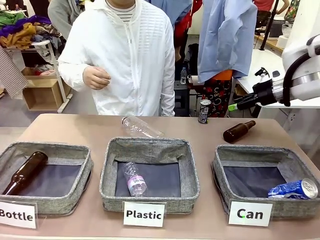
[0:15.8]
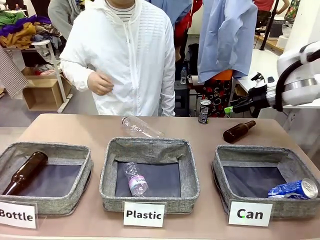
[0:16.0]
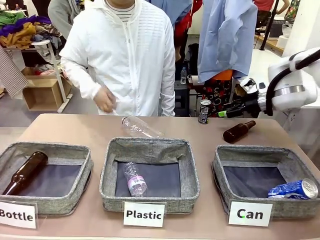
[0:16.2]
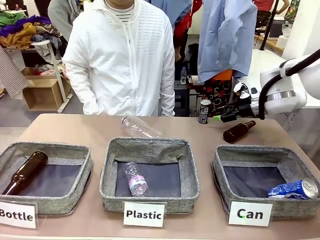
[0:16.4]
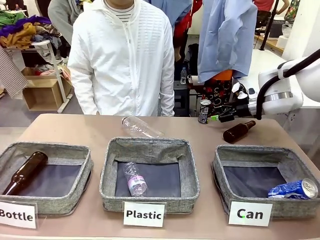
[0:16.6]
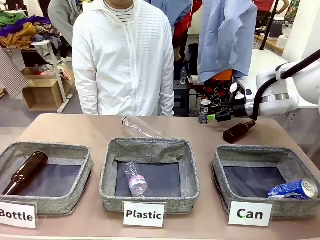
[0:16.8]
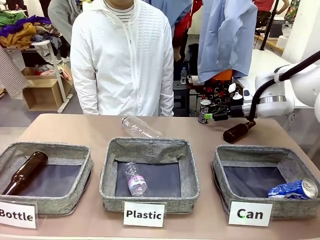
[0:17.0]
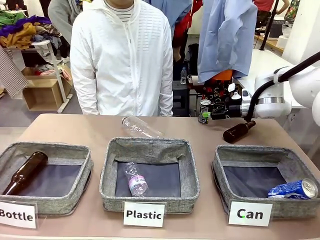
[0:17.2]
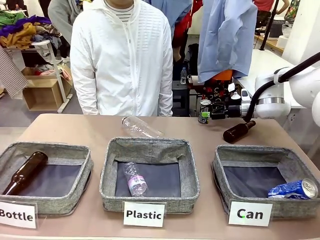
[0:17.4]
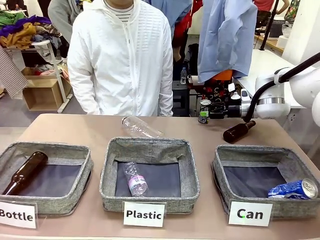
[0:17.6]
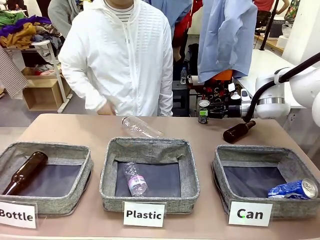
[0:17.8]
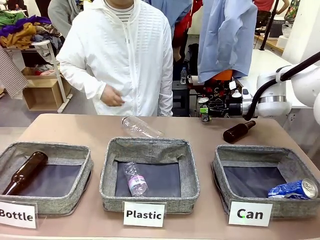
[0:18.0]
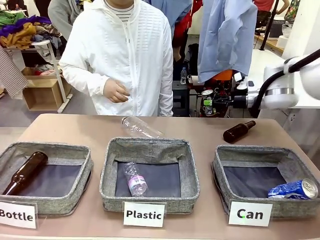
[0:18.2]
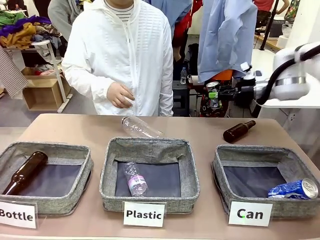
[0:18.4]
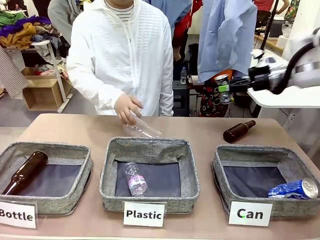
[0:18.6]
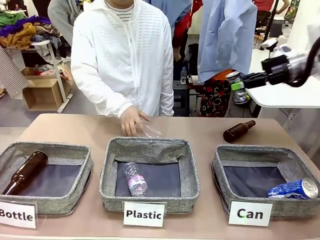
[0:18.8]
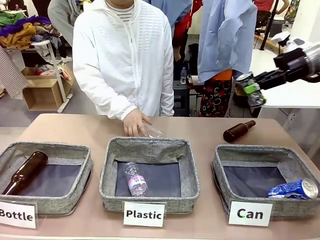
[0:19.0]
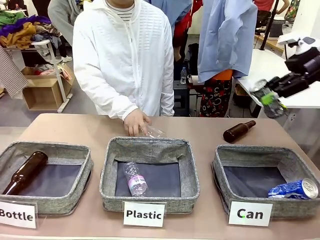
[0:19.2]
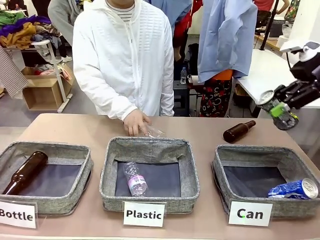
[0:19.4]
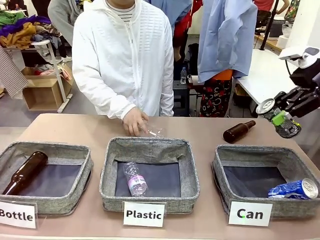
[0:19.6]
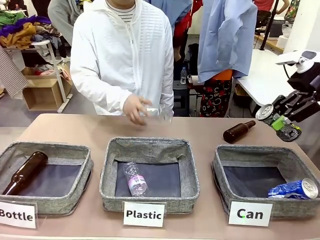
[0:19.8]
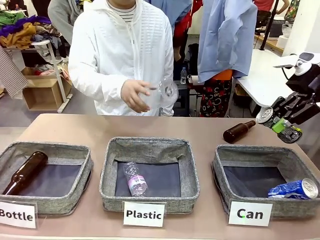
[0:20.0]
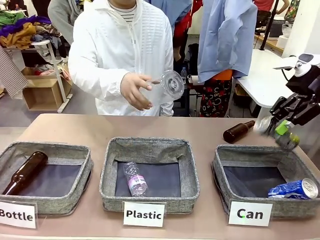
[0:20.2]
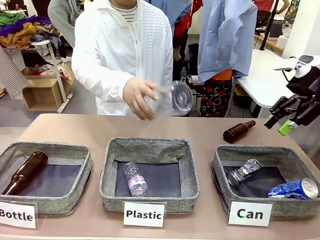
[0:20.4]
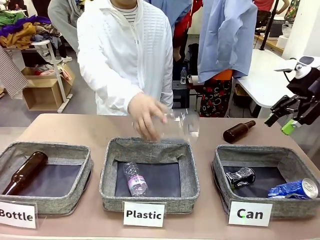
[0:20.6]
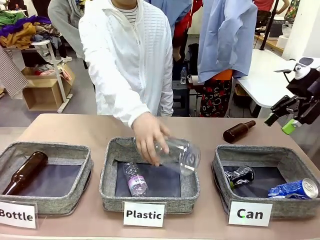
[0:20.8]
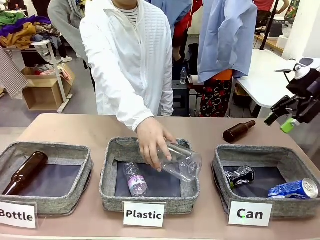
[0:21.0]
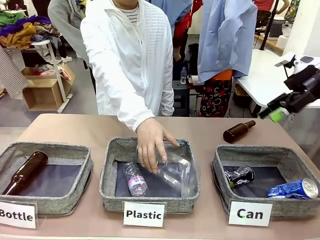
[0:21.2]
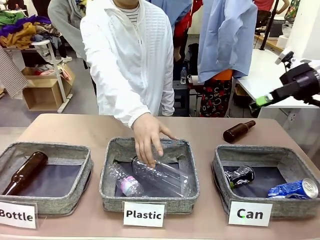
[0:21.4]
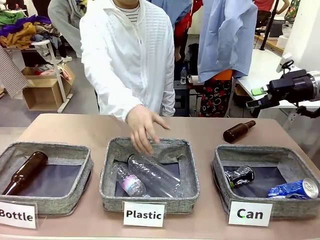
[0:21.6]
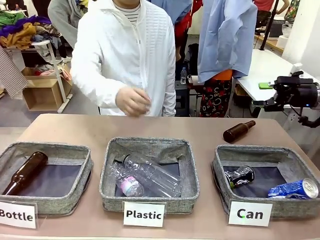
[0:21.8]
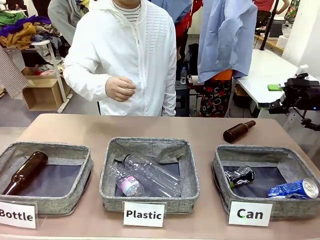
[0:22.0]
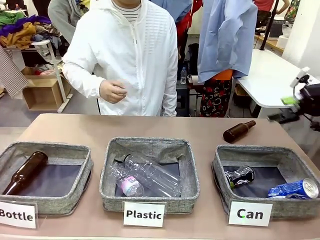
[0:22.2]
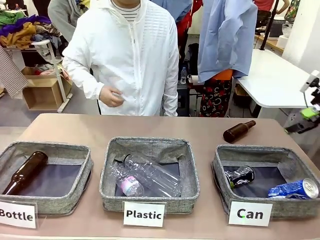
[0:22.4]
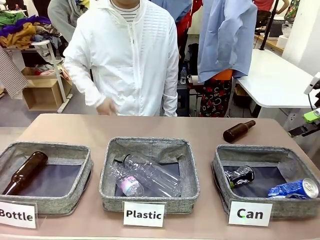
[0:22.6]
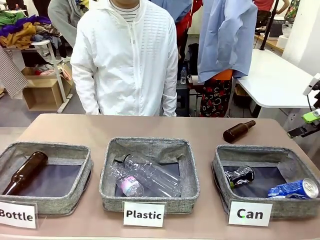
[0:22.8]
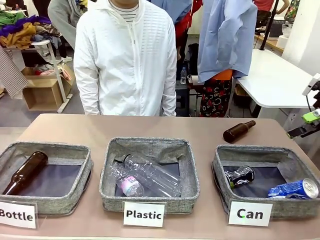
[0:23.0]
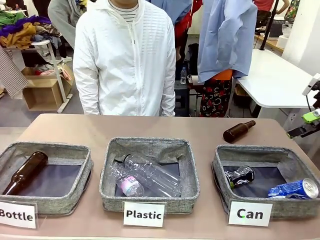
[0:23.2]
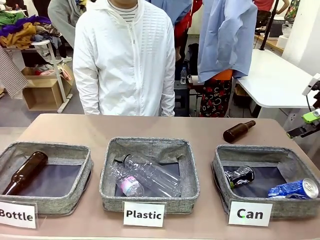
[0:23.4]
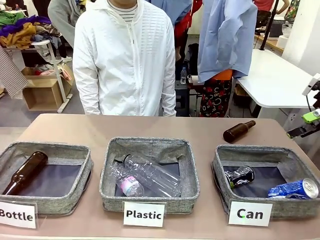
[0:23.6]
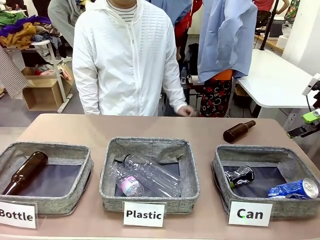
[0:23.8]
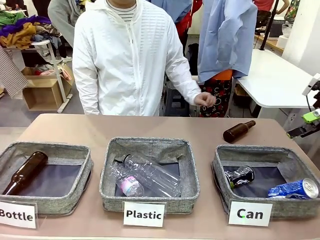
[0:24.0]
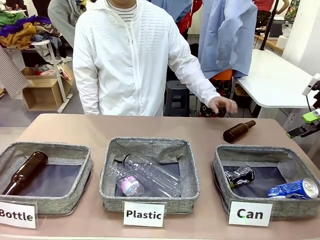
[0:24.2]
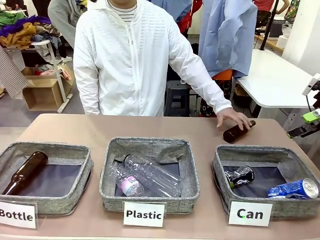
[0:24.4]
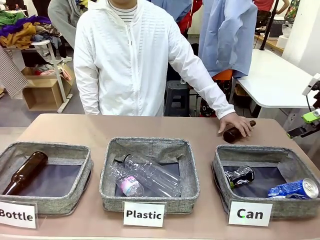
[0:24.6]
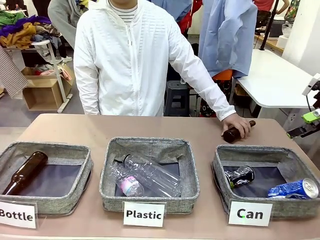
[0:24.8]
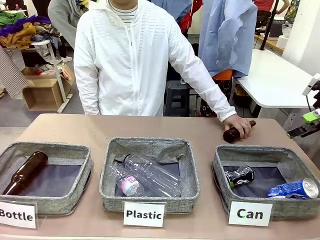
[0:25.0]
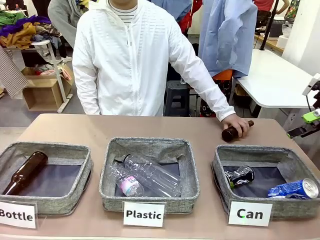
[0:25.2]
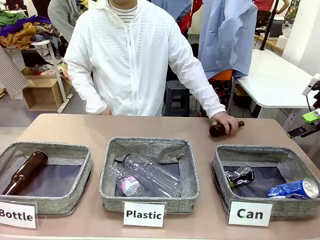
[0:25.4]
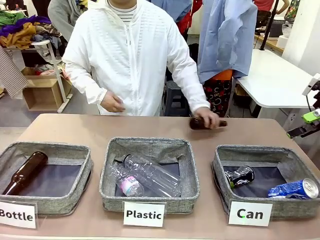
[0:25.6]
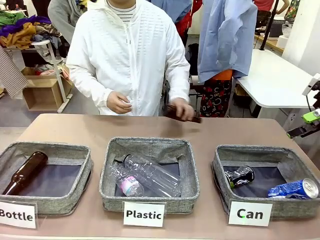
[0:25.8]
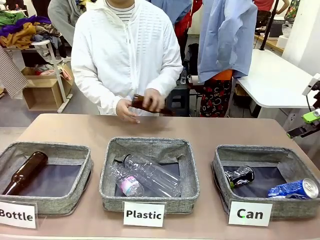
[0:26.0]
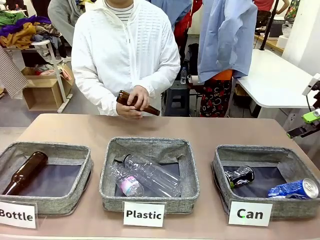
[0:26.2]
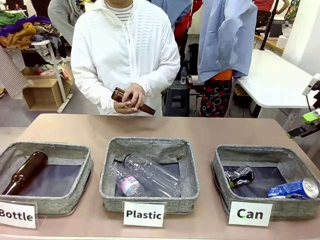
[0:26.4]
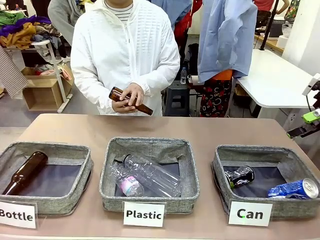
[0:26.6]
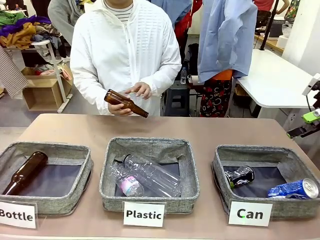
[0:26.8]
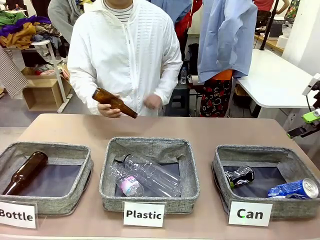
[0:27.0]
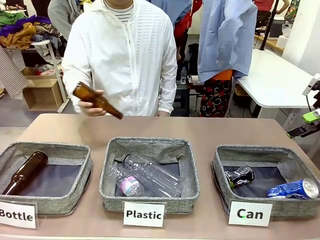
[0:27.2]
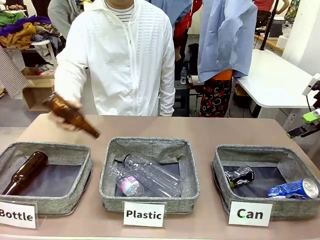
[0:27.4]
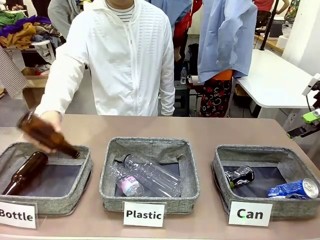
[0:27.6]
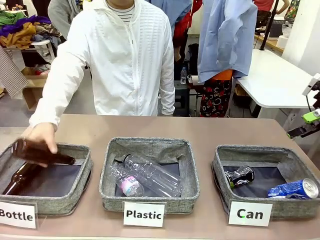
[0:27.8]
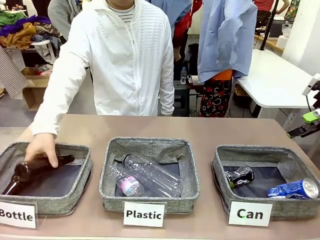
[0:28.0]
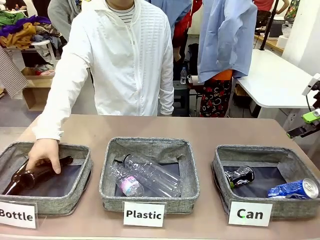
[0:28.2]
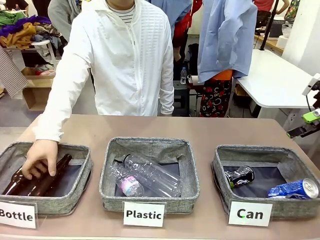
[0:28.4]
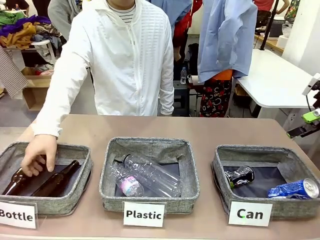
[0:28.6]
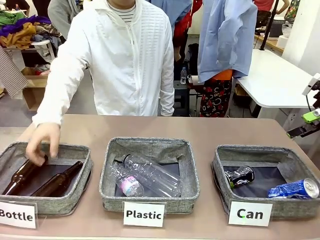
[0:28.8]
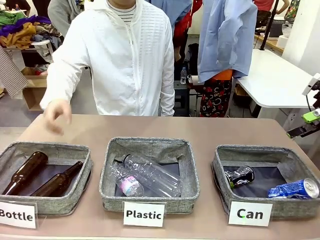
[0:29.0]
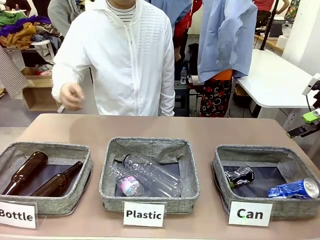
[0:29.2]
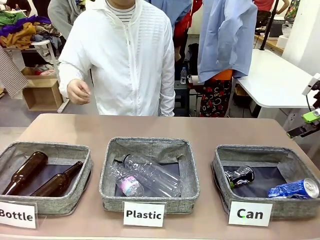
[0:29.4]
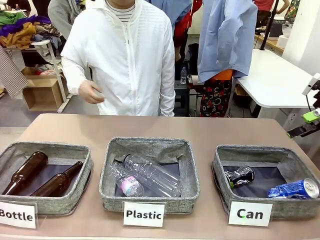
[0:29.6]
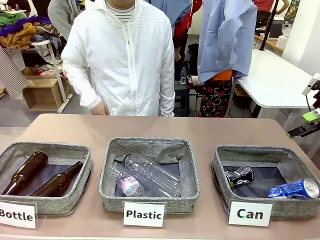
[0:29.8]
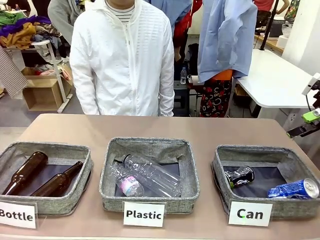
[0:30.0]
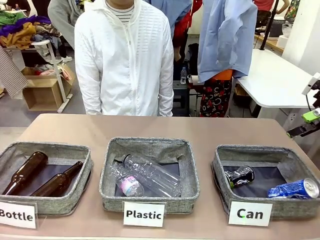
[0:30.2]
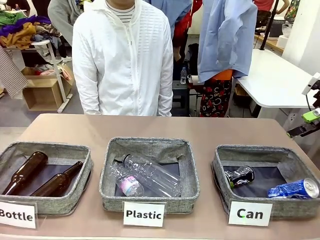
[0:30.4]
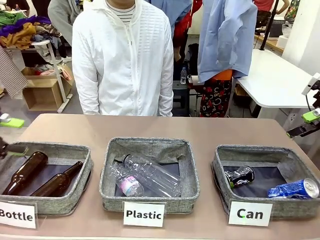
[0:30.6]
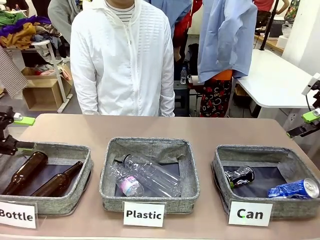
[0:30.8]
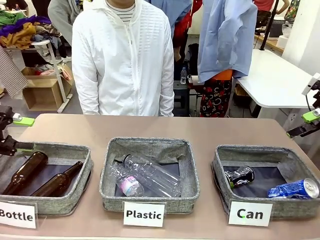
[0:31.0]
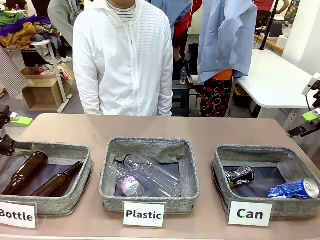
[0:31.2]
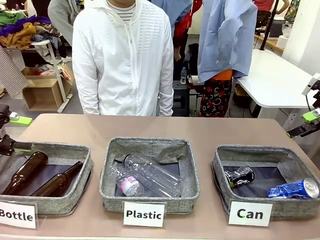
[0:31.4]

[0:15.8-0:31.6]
Task: Sort the can waste into the basket.
Robot: Pick up the can waste from the table and place it in the right Fabric basket.
